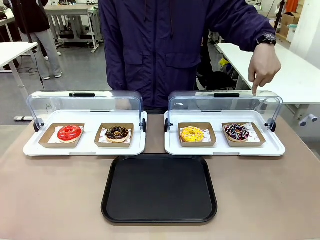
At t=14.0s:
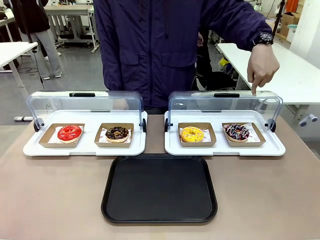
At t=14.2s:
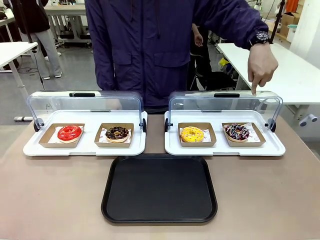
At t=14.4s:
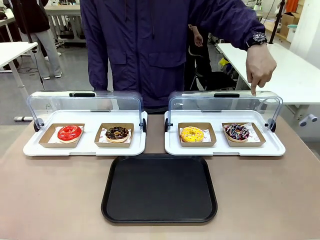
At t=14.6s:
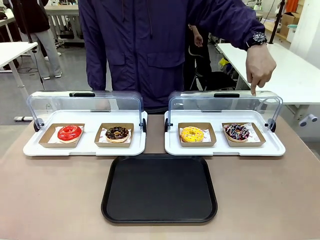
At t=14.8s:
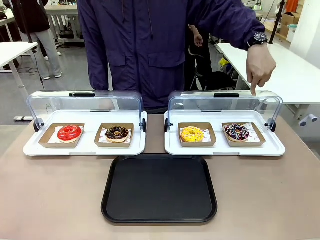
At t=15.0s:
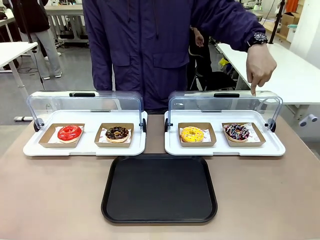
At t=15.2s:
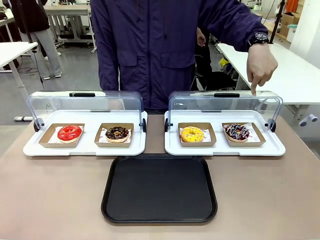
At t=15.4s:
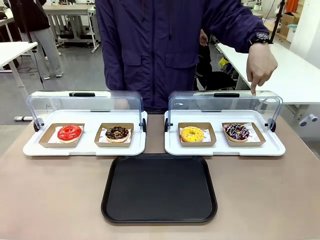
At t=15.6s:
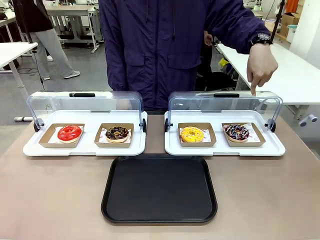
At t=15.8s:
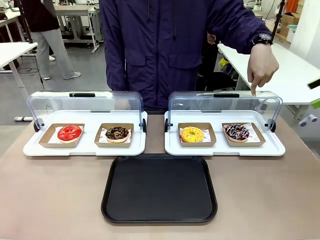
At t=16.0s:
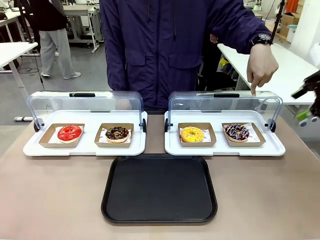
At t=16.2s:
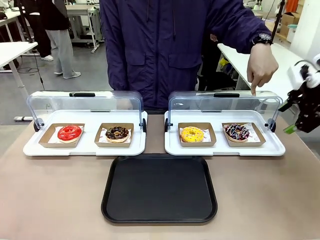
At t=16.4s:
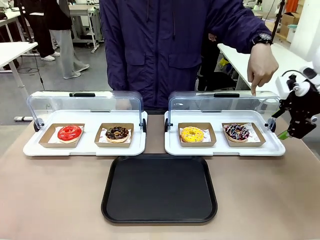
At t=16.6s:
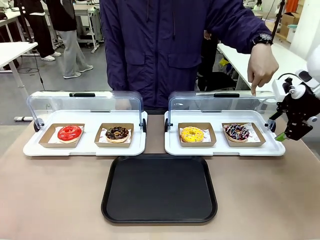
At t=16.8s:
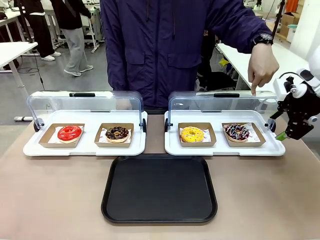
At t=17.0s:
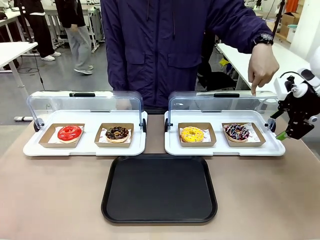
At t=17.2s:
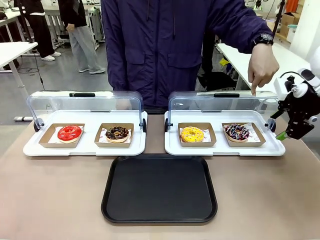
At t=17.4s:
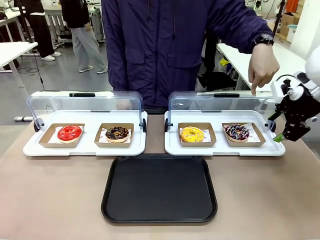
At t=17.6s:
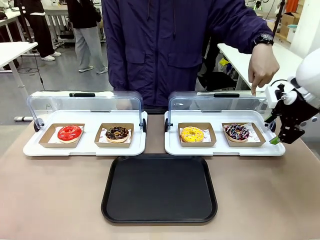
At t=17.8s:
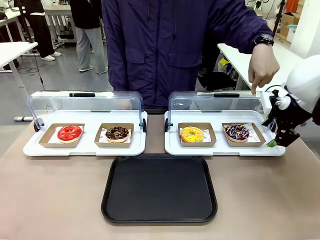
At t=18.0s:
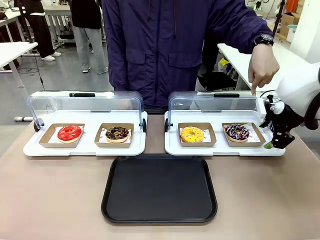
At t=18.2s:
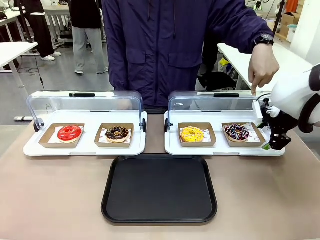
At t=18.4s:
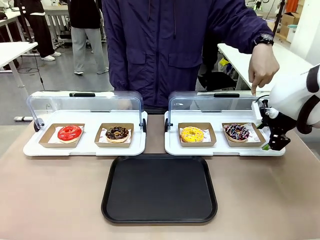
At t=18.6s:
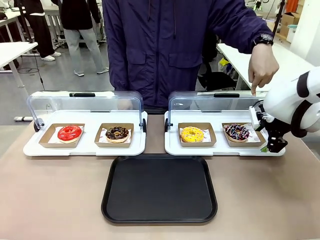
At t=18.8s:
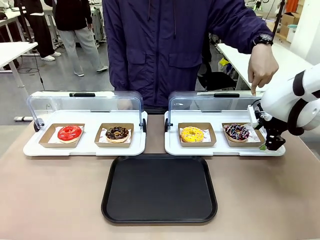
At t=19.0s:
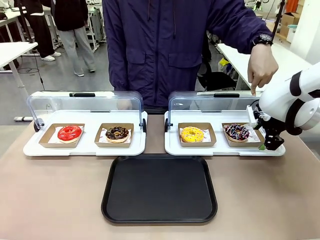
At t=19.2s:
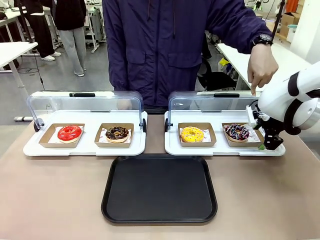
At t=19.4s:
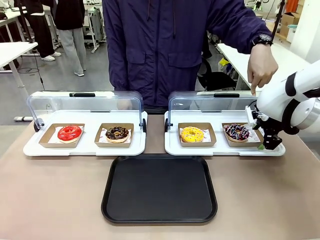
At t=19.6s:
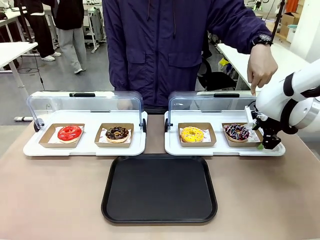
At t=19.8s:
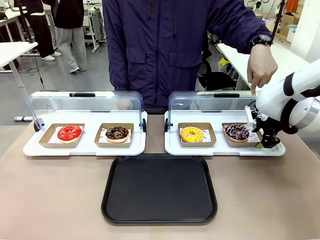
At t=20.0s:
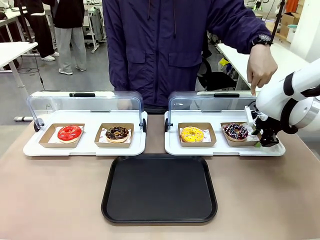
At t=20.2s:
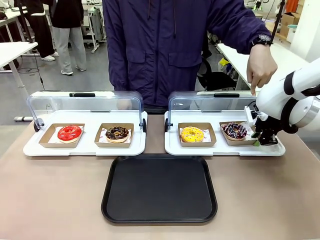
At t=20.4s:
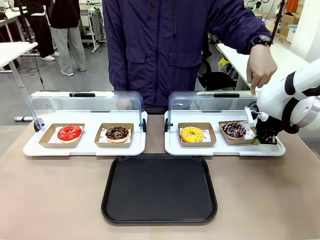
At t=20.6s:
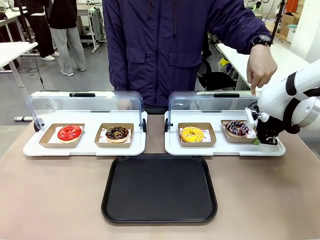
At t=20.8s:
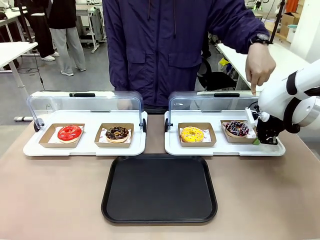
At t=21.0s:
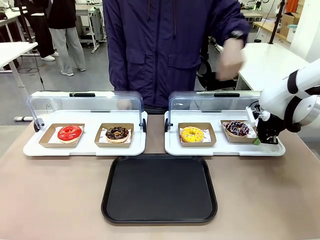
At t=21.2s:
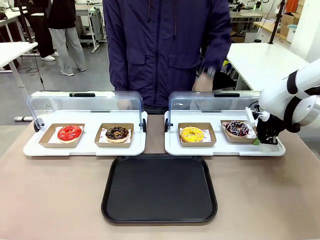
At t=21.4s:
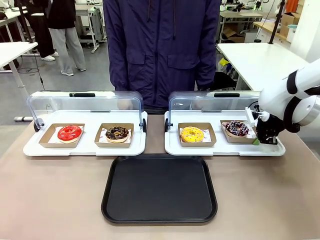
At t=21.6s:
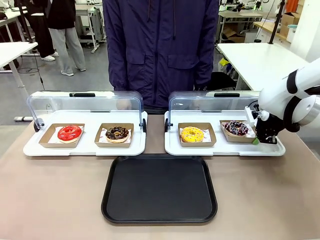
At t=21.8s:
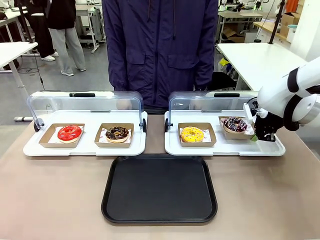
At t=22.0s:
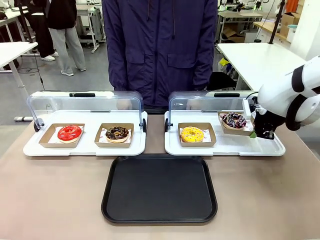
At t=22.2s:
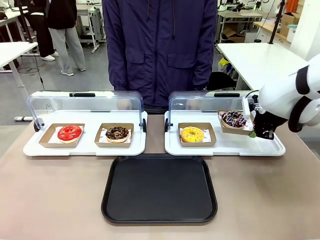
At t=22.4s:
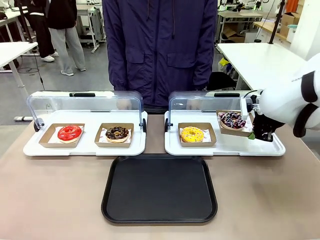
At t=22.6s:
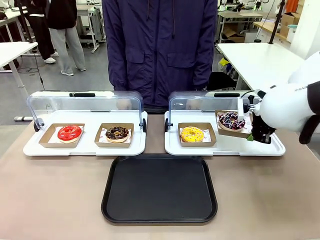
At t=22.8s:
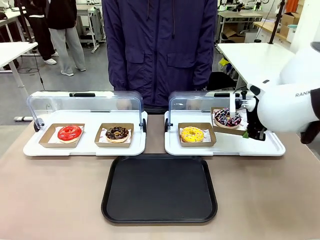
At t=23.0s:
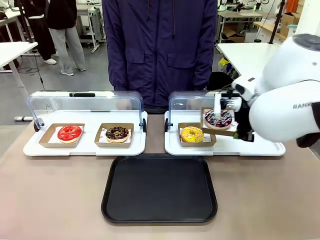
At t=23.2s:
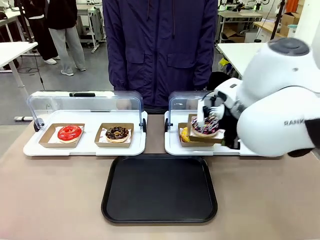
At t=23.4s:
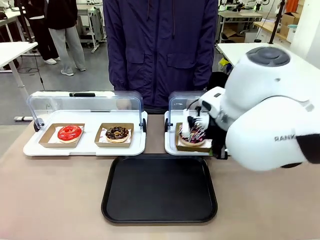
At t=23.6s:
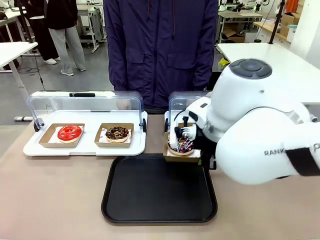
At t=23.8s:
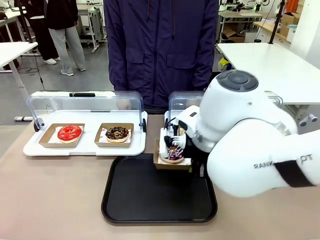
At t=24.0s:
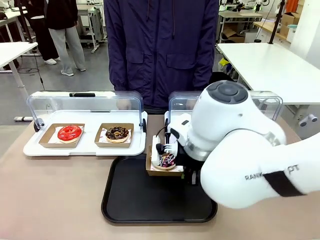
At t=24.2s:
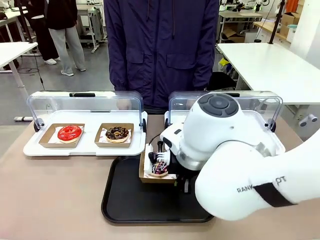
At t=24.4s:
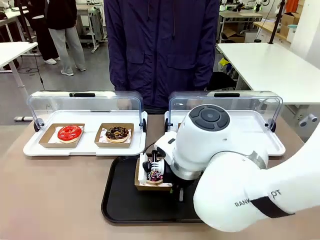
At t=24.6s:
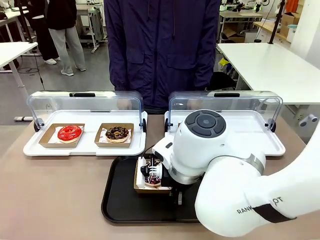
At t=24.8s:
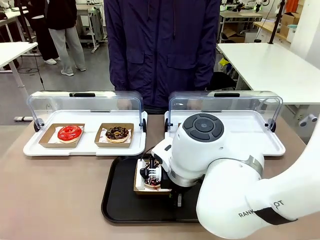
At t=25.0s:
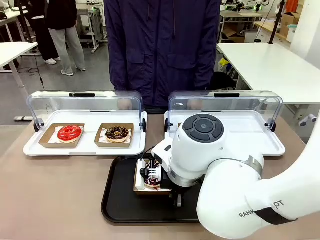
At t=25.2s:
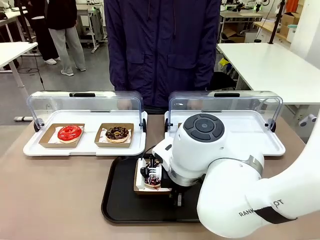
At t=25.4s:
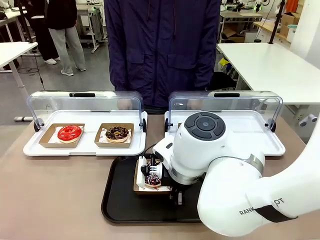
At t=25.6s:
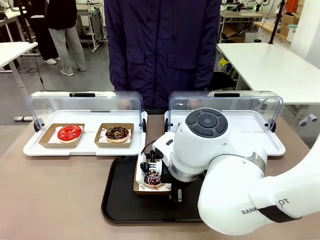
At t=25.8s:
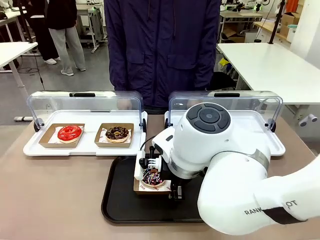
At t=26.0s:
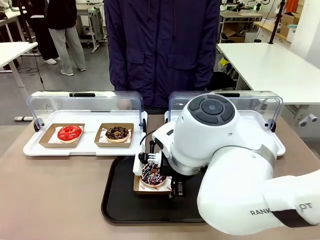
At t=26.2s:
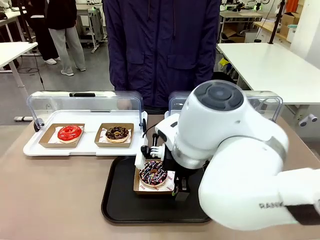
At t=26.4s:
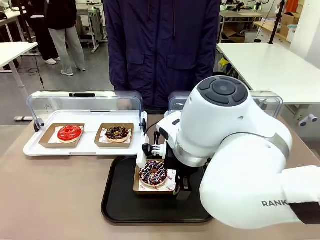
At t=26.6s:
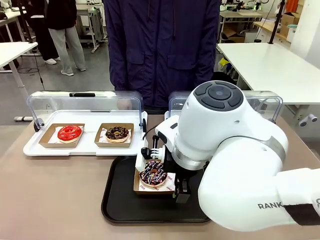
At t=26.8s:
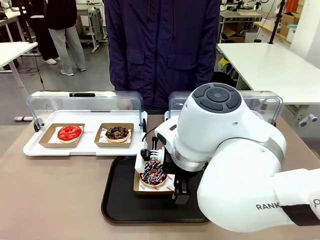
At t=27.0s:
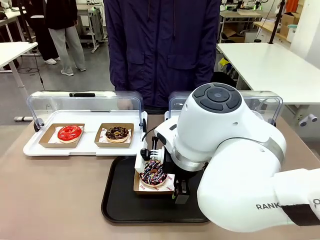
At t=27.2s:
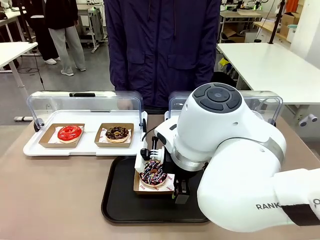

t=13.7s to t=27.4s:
Task: Move the fourth donut from the left to the tray.
Robot: Pick up the Paper togo box containing the Donut indicated by the person and place it on the Handle tray.
